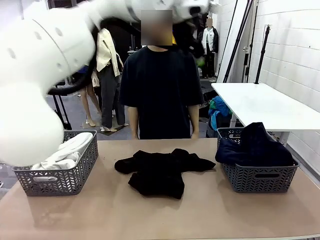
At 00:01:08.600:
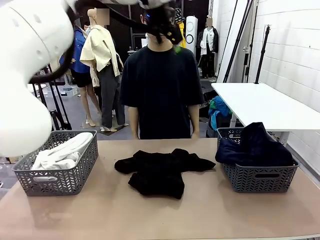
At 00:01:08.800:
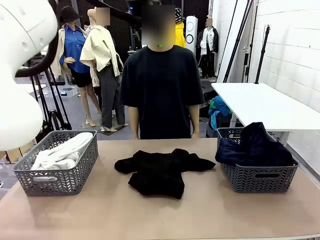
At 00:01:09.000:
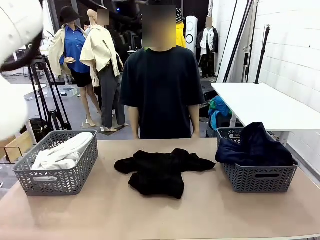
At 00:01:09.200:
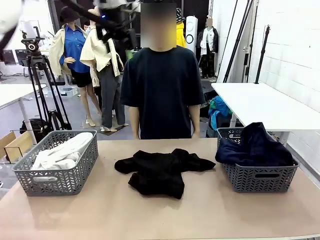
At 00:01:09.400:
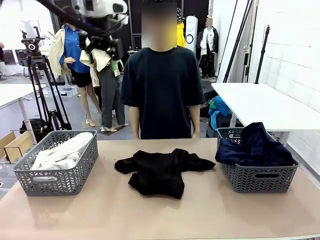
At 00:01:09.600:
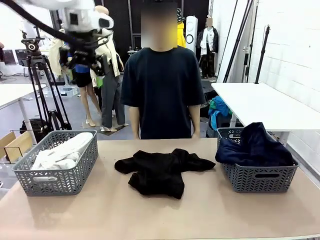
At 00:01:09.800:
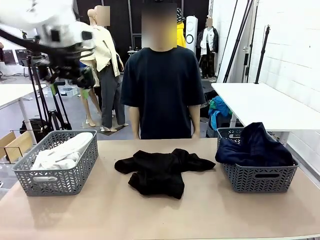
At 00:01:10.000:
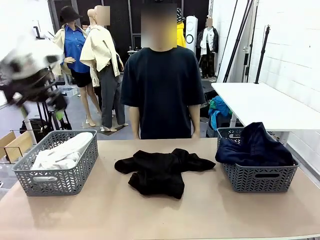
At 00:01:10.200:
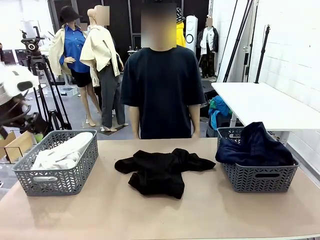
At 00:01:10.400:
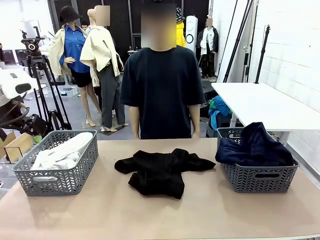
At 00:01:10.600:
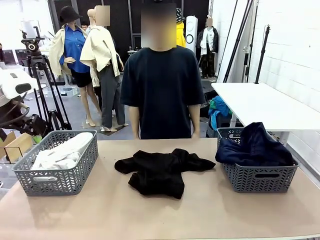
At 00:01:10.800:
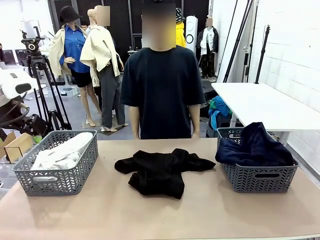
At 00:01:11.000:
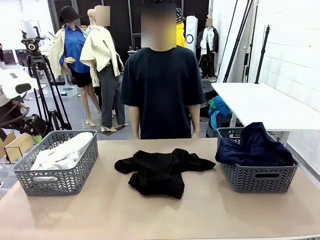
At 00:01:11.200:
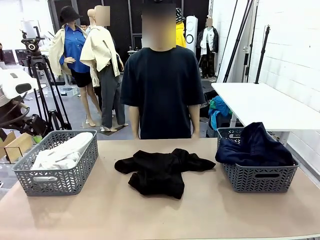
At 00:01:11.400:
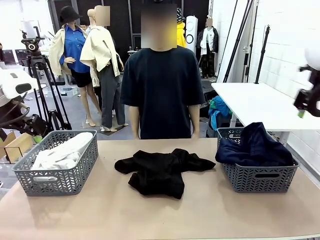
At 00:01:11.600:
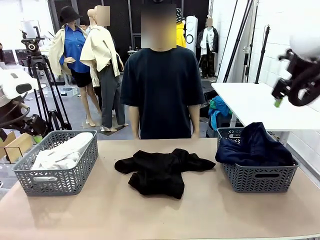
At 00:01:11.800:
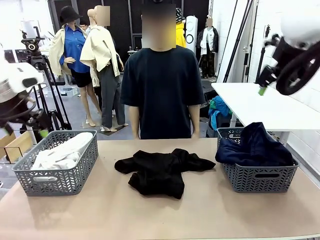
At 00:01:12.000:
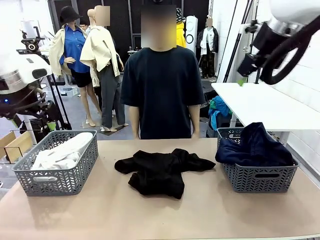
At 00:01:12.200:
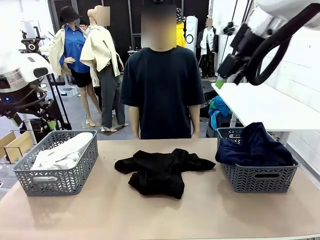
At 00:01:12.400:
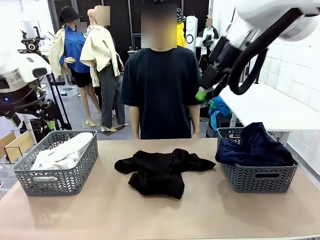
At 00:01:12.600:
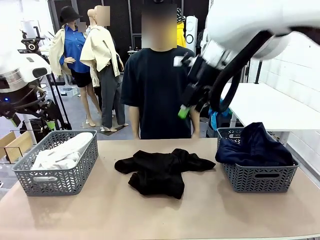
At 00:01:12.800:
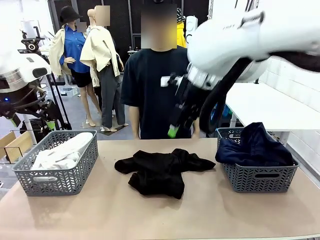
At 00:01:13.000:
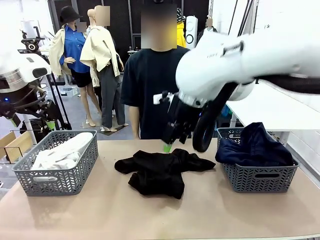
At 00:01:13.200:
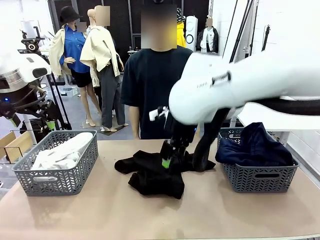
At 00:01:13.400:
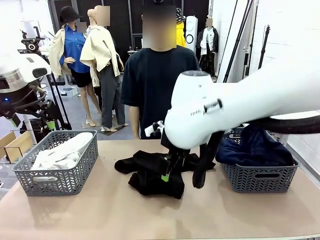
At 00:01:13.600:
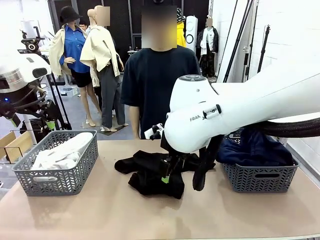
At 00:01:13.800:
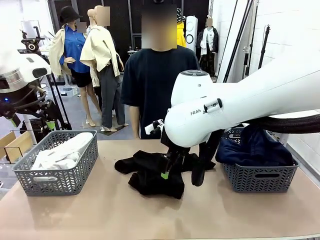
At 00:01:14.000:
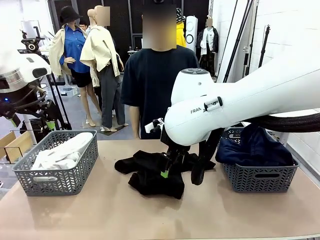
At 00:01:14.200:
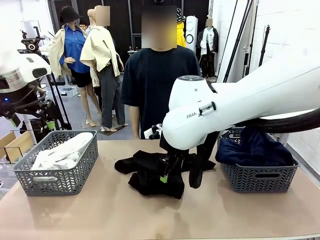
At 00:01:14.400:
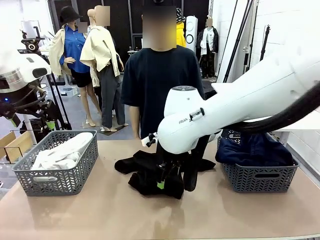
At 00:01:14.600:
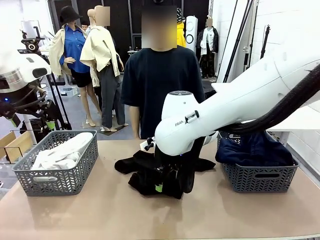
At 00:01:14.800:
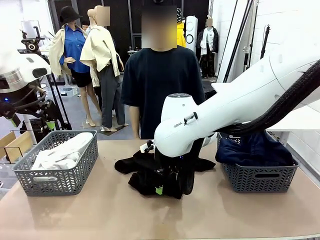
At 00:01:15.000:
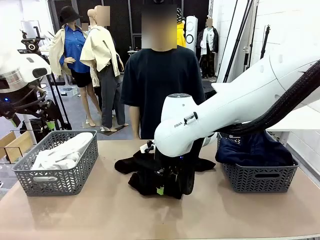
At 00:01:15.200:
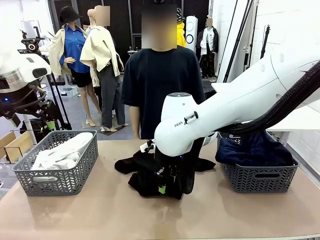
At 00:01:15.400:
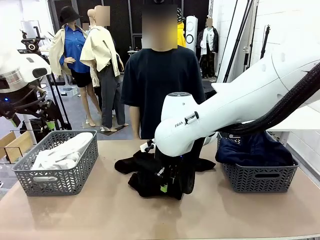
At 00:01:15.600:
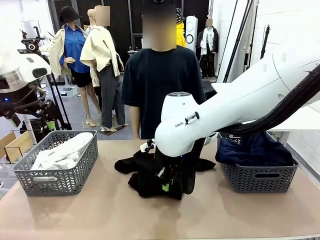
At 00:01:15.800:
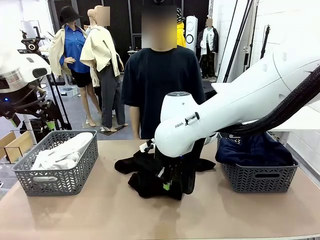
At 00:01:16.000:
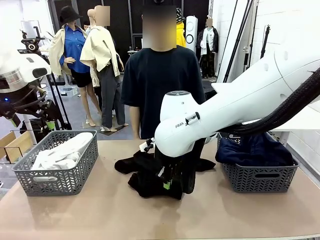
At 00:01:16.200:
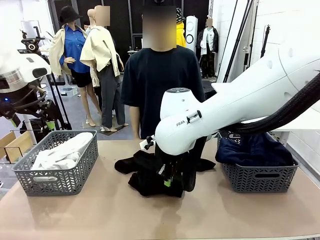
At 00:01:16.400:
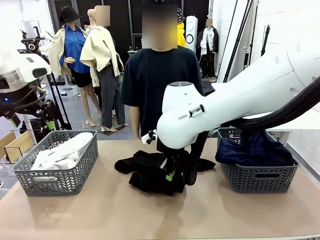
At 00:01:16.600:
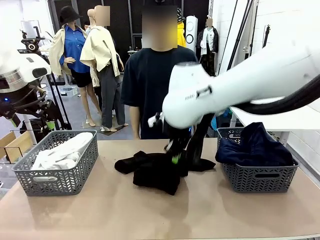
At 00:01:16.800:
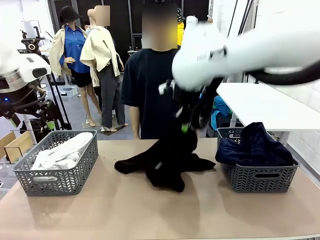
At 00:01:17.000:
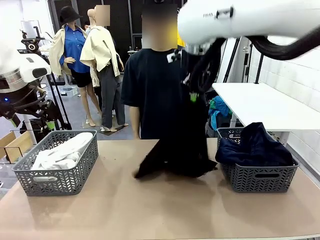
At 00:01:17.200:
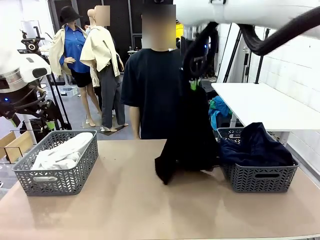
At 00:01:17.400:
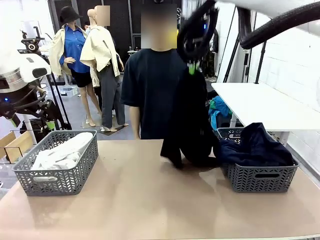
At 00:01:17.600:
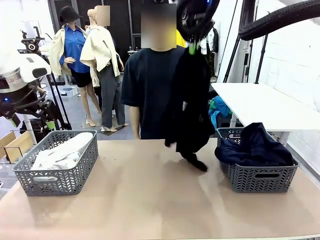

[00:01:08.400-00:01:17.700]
Task: Sort the tops and bottoms.
Robot: Lift clothes from the center of the table with your right hand.

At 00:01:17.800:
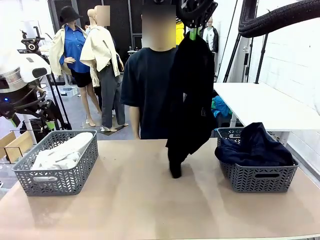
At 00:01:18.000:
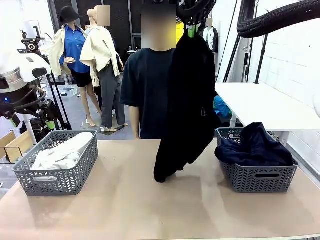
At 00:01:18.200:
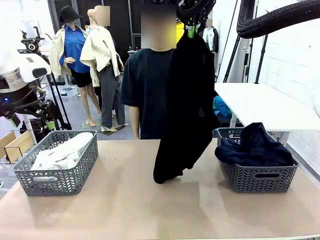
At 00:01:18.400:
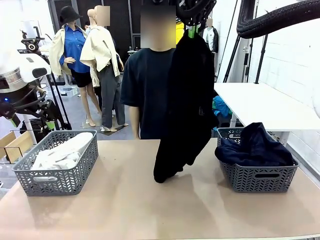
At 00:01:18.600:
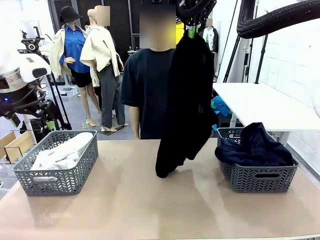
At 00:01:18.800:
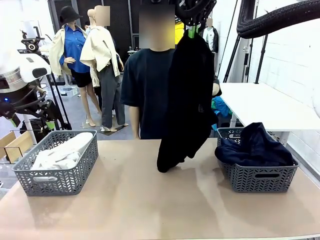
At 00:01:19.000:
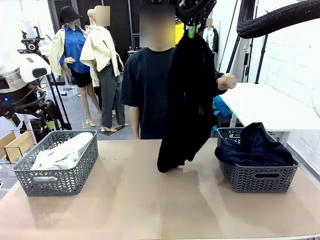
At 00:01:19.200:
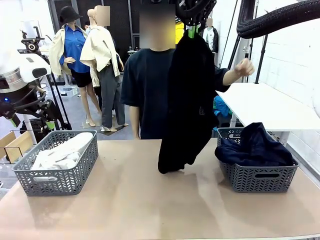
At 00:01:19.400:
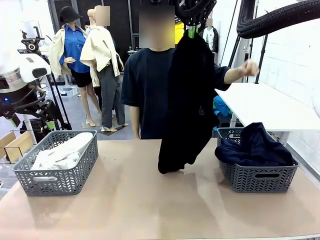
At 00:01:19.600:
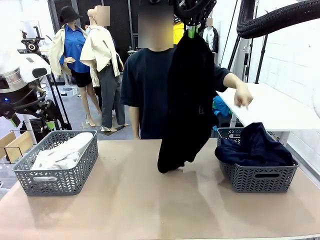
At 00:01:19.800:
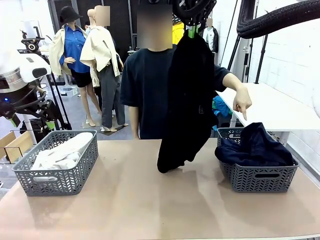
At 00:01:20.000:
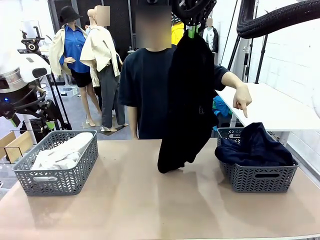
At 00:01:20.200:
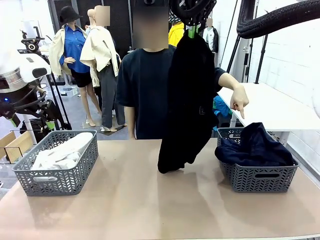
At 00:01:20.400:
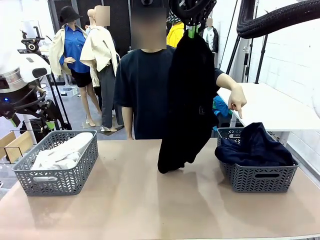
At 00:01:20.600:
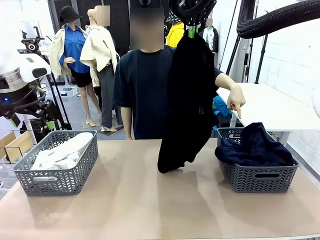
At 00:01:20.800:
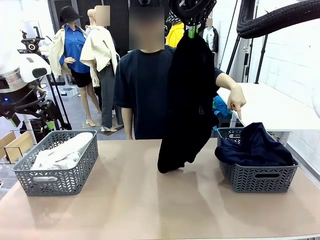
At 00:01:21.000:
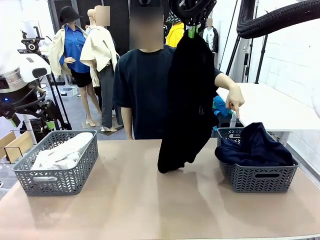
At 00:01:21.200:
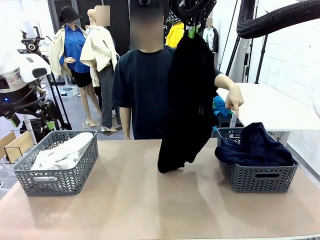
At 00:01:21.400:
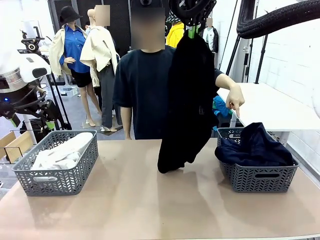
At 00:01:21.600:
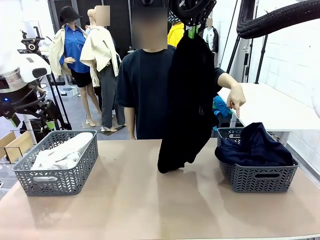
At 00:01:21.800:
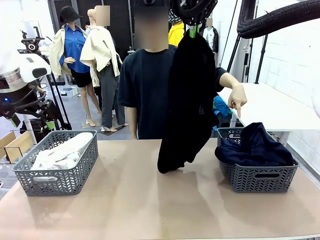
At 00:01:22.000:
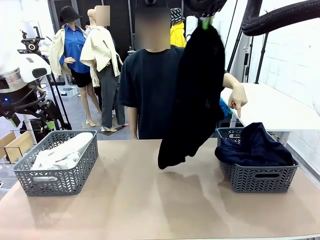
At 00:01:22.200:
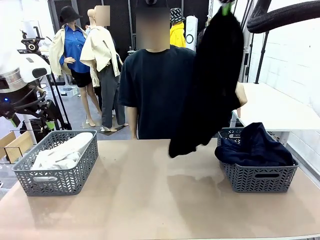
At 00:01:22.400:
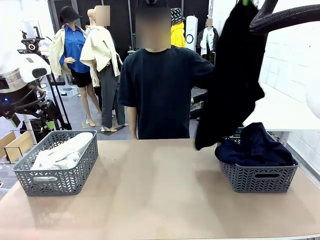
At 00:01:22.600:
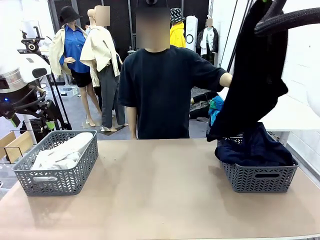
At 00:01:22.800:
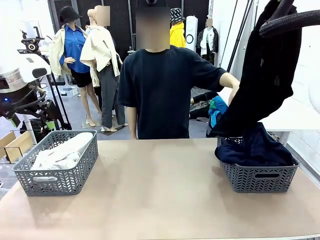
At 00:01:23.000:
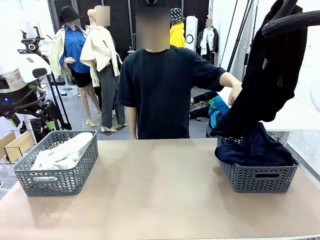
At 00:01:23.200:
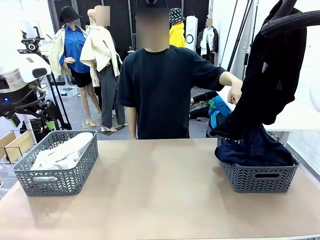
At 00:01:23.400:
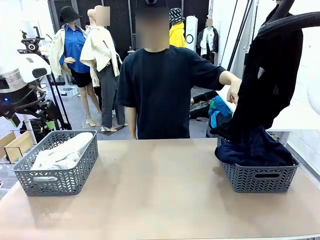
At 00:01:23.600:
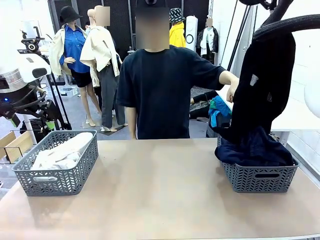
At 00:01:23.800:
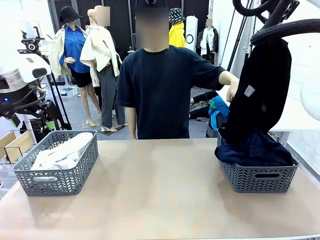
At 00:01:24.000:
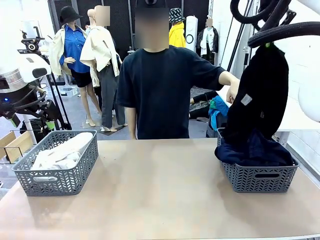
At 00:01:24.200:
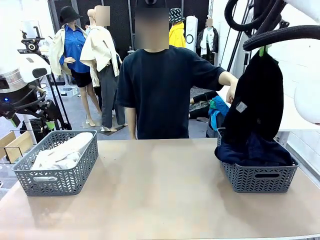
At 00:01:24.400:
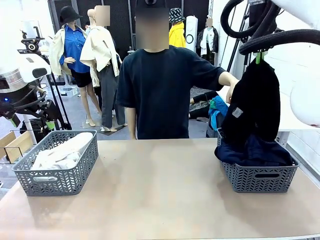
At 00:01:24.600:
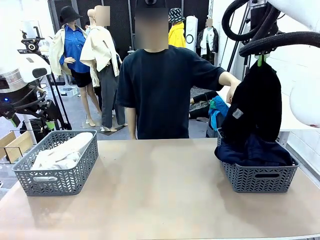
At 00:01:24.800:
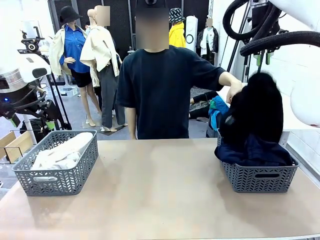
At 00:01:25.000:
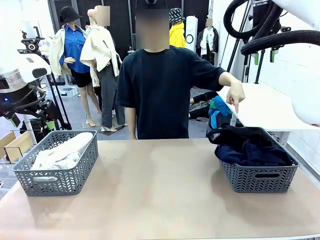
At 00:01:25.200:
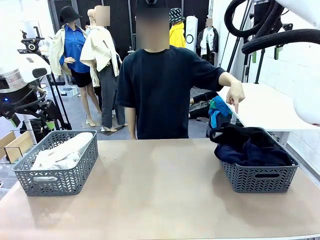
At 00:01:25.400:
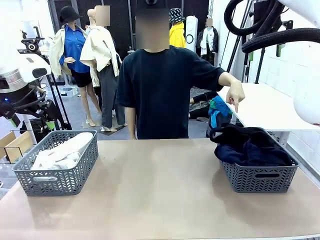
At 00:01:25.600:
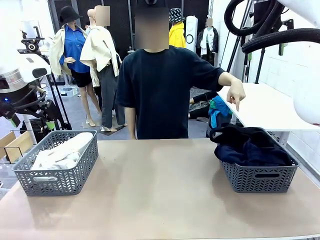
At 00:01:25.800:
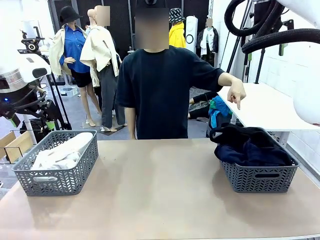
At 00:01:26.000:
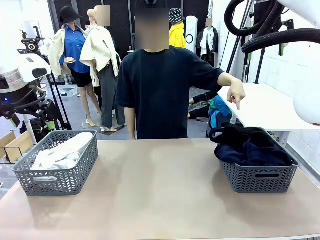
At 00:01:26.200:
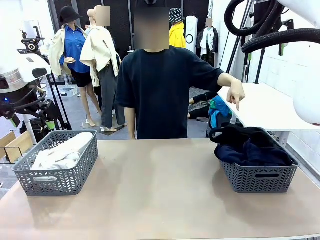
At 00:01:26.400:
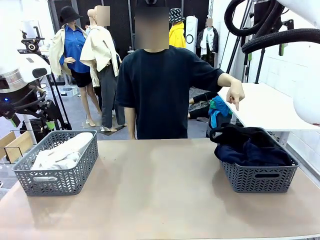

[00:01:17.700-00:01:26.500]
Robot: Sort the clothes according to human instructions.
